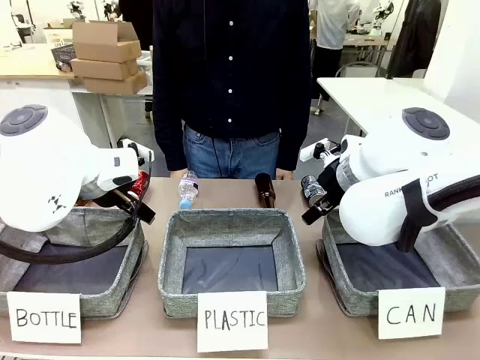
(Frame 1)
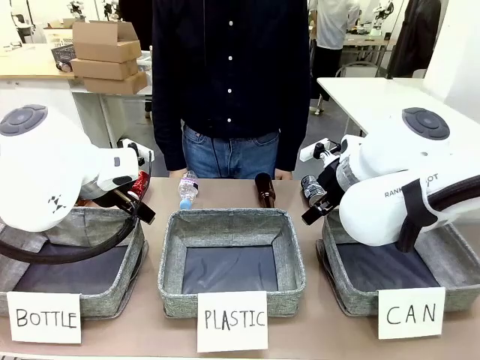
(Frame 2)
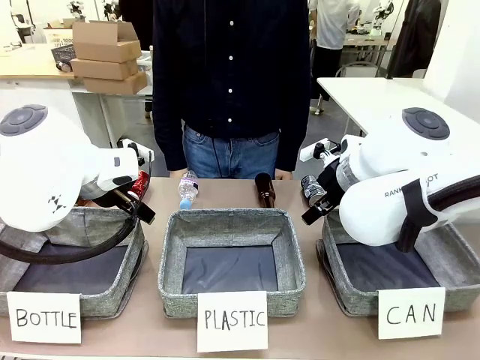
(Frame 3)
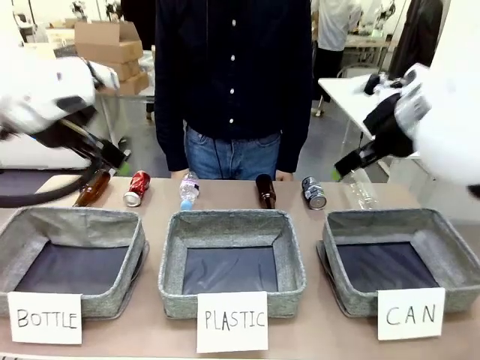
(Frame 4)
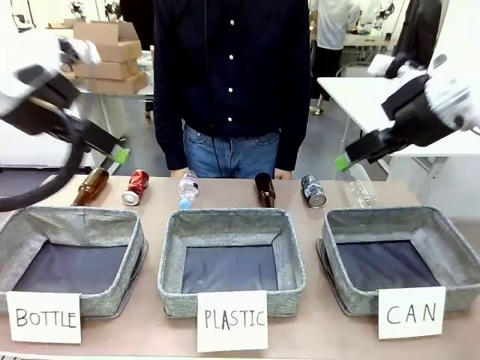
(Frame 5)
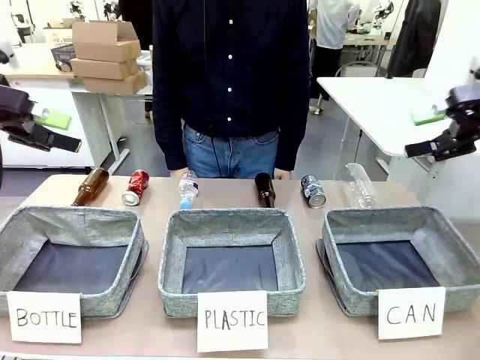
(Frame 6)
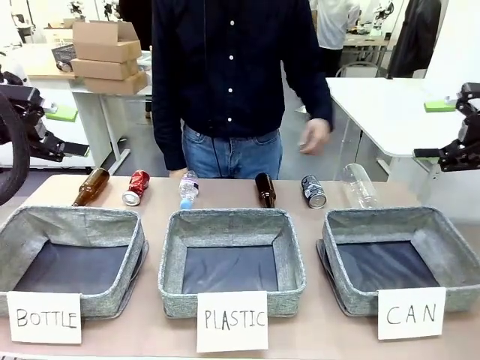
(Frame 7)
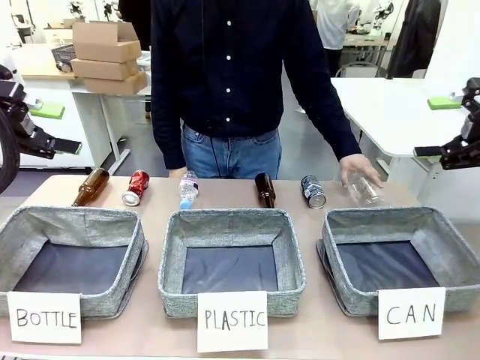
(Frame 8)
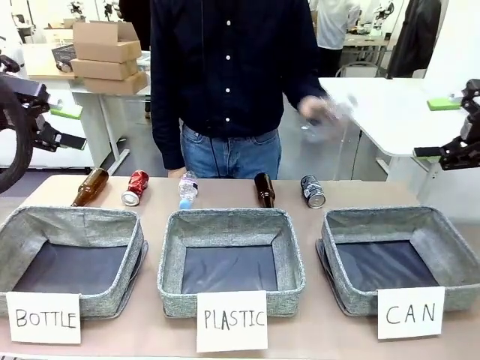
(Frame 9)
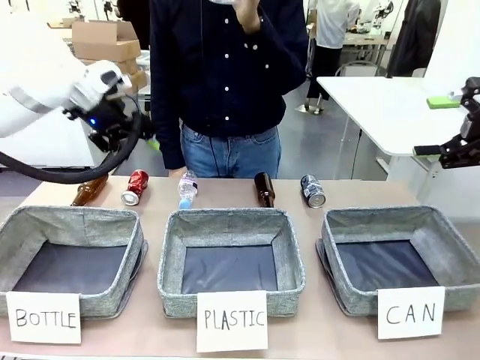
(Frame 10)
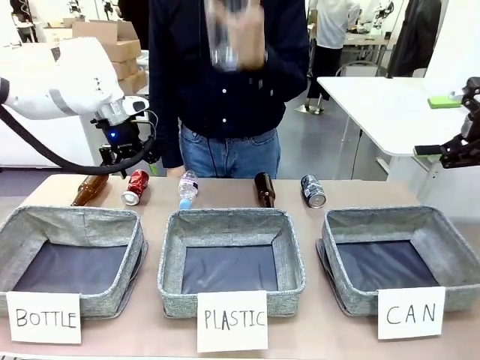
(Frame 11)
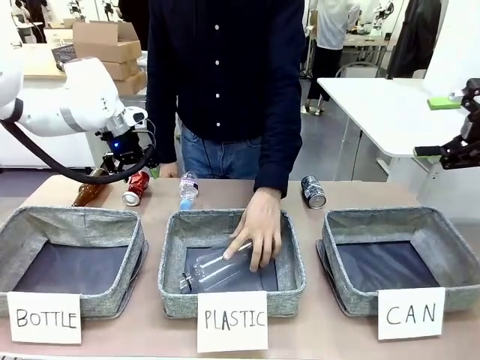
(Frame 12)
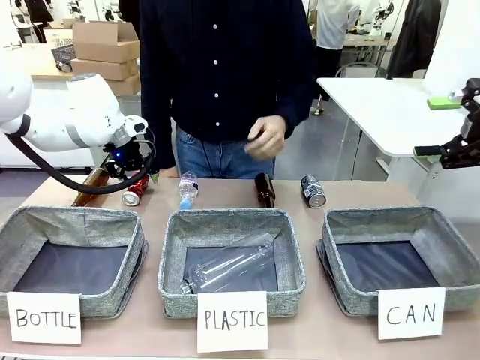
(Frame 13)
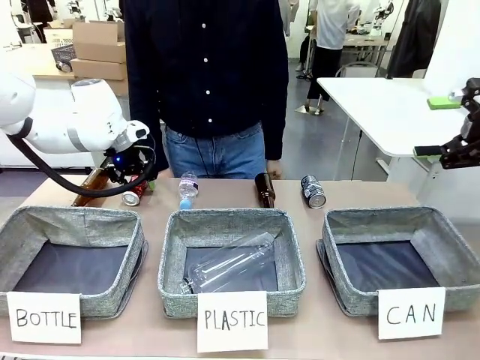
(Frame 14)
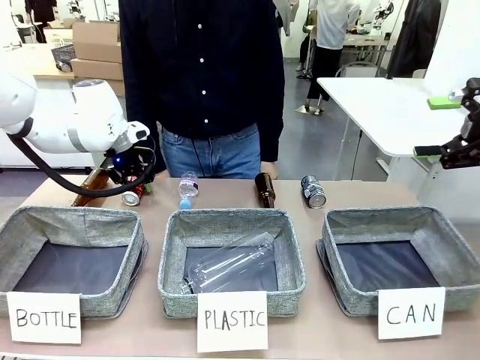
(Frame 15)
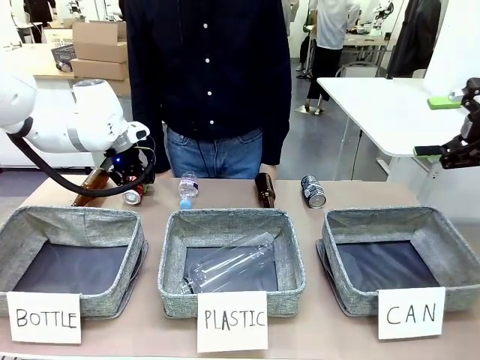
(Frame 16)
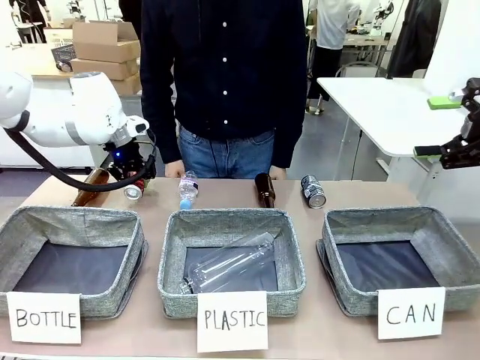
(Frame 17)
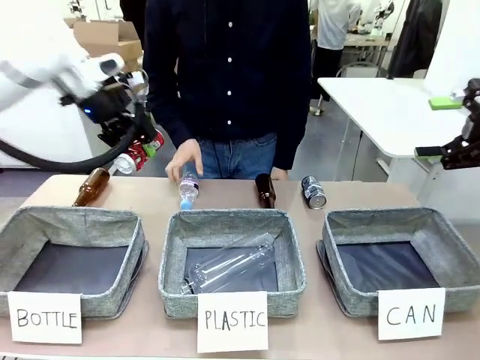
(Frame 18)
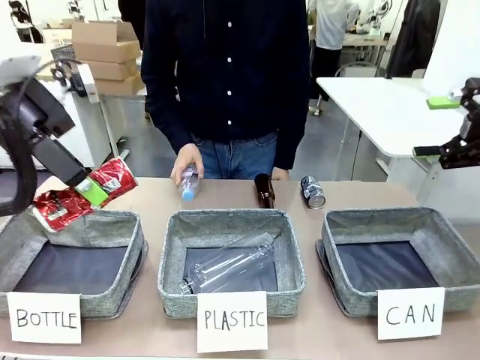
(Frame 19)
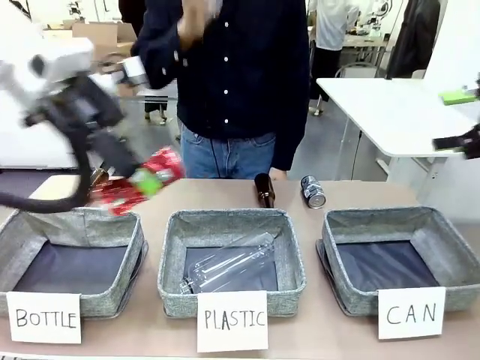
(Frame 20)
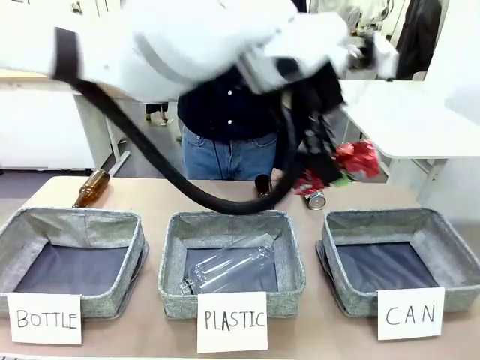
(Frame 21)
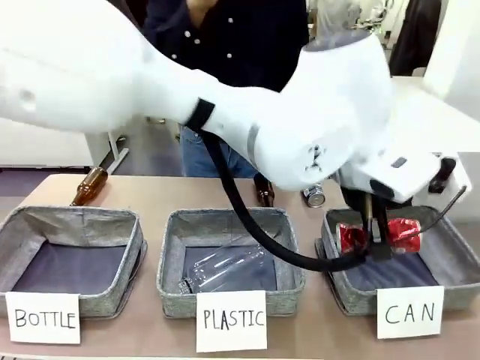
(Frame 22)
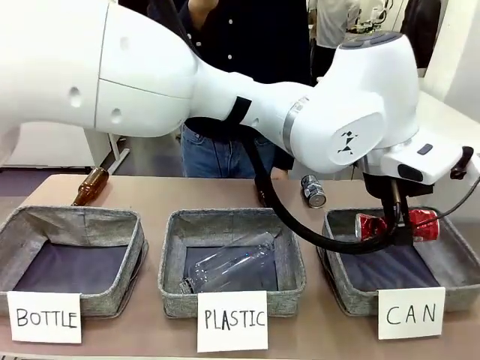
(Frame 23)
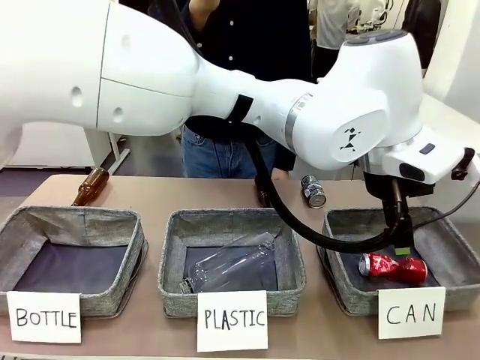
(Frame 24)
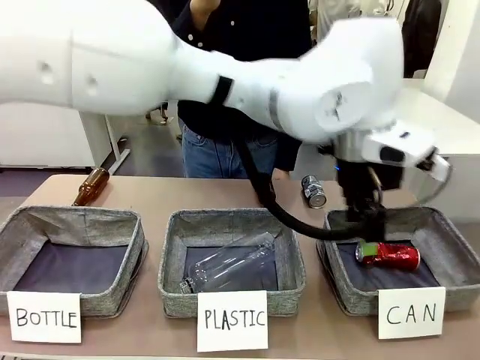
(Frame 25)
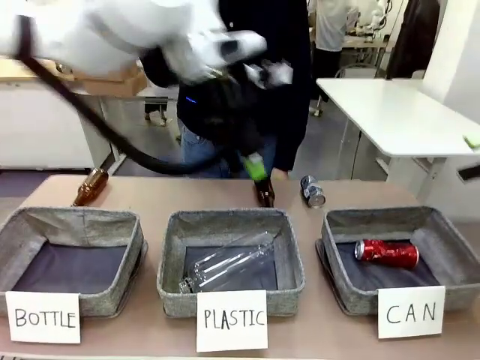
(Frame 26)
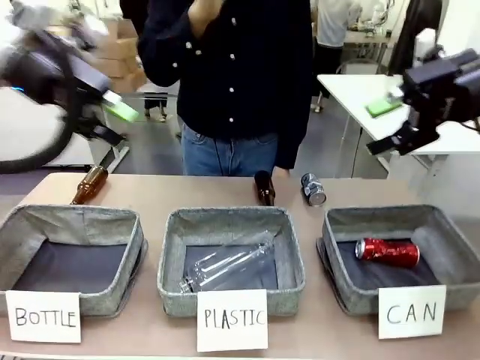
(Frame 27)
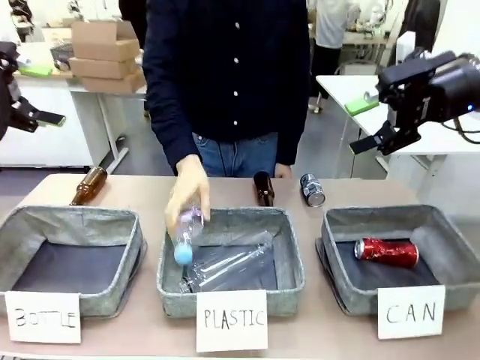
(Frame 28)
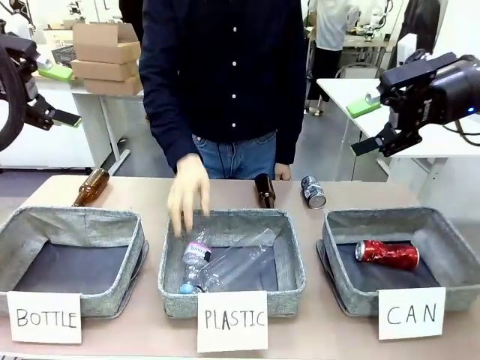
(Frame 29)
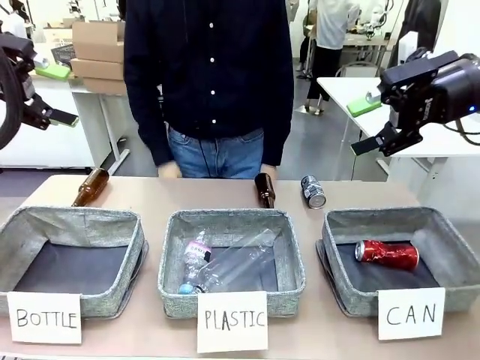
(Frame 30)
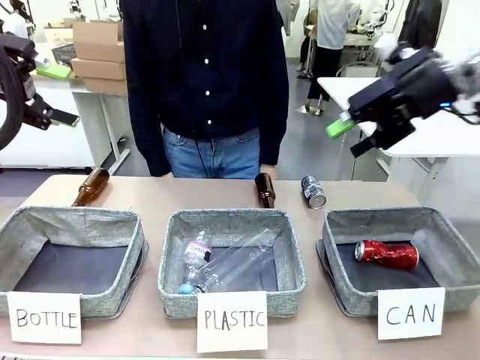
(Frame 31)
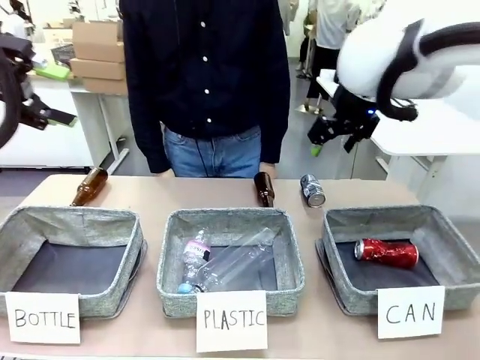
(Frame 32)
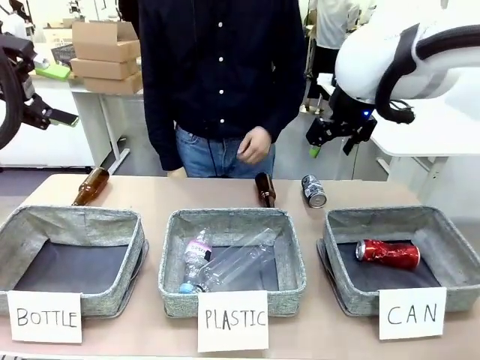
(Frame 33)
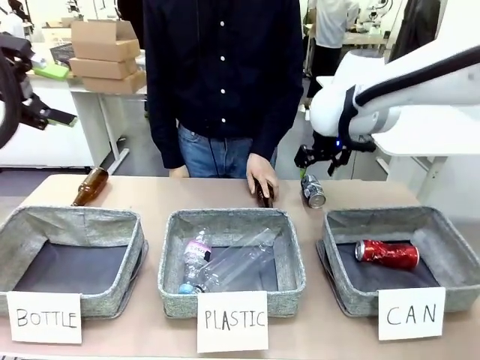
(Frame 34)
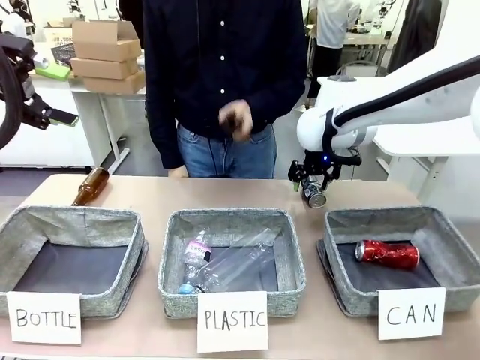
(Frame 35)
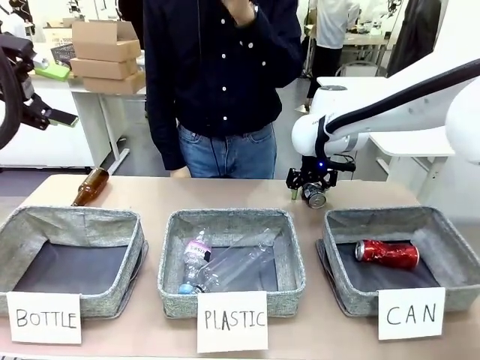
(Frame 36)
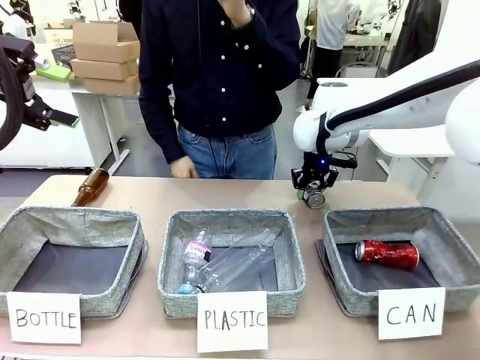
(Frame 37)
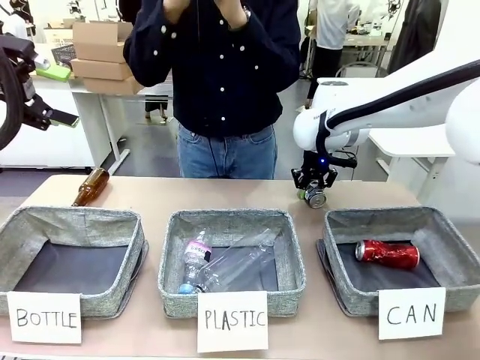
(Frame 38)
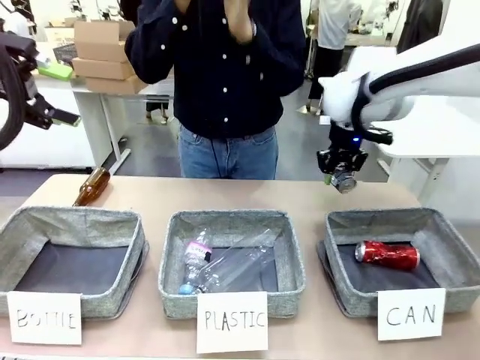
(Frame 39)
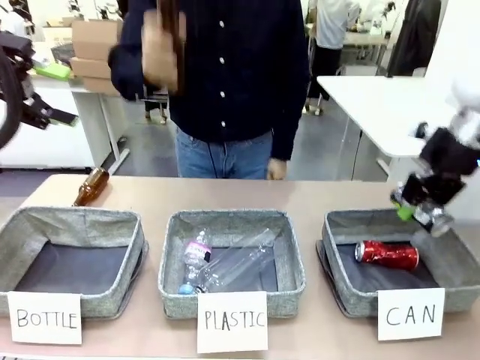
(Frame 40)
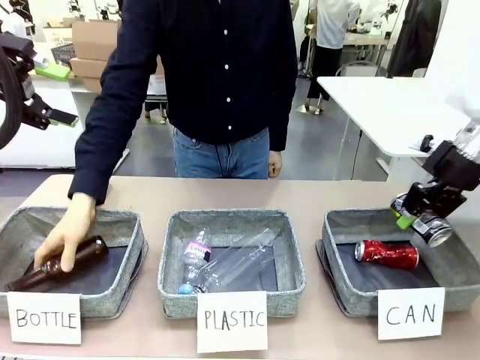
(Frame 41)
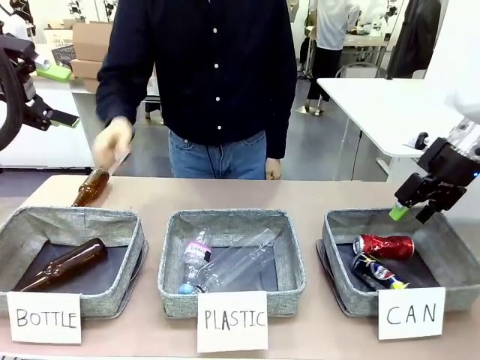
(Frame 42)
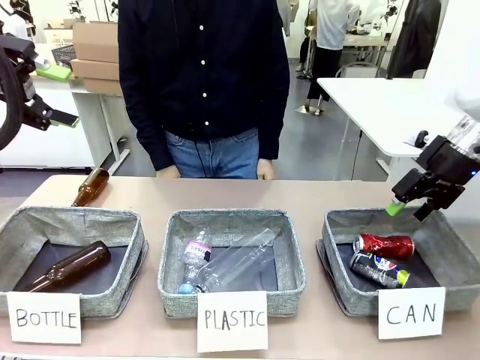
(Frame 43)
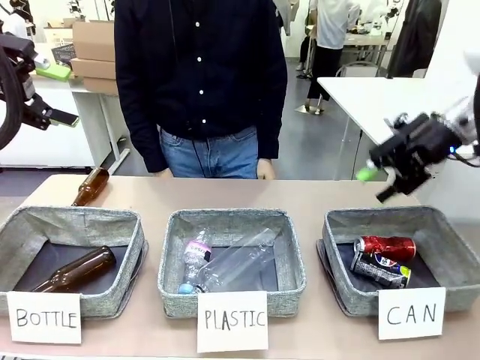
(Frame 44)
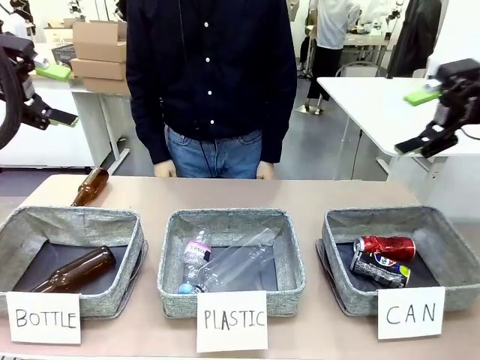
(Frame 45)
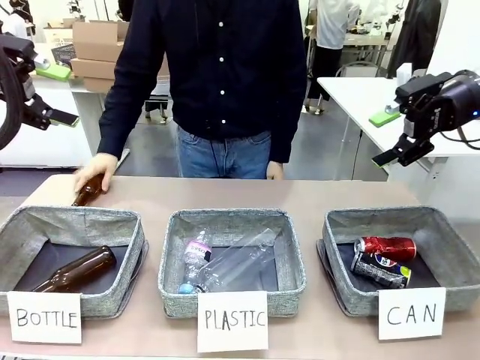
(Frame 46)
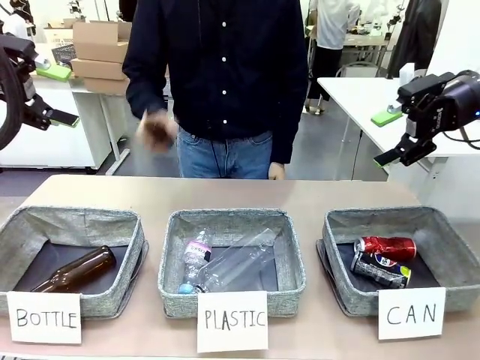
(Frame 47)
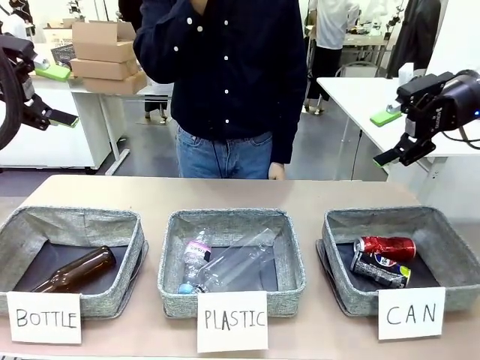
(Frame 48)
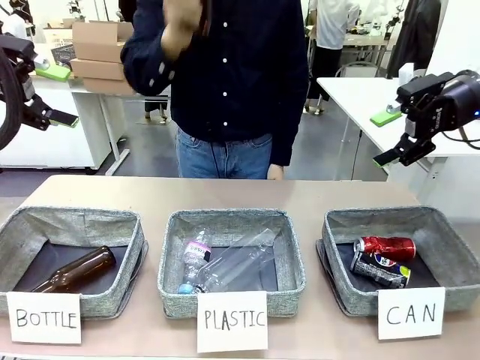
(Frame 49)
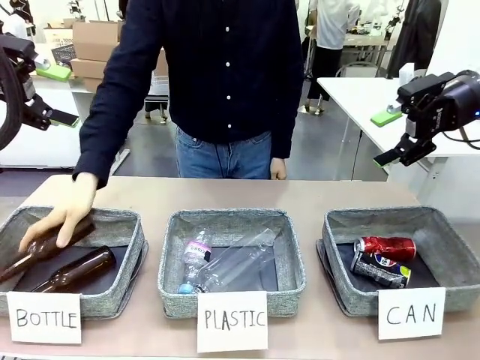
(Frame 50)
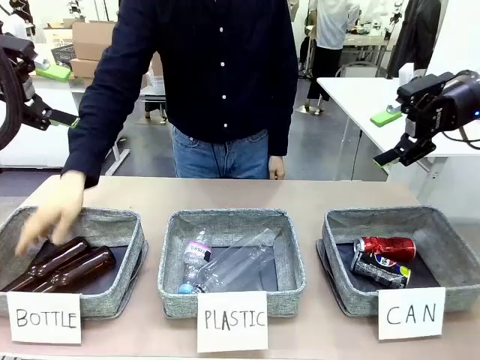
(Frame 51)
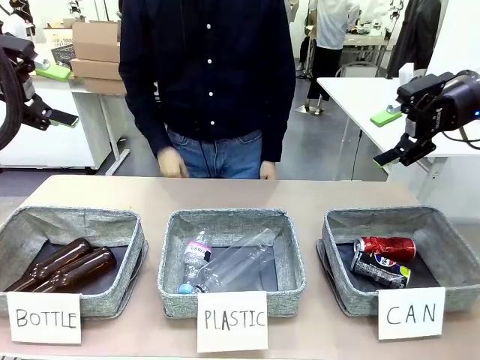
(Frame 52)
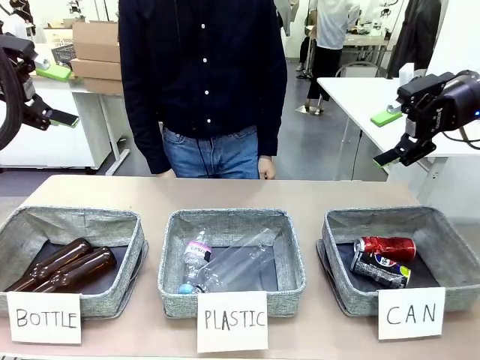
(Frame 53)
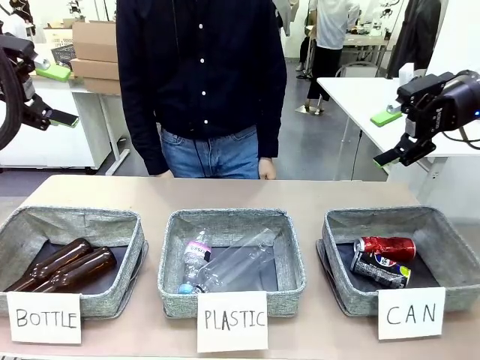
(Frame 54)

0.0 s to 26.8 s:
Task: Sort the can waste into the basket.
Robot: Pick up the can waste from the table and place it in the right Fabric basket.
Person: The human picks up one piece of trash that is not a can and places the trash into the appropriate organizing basket.
